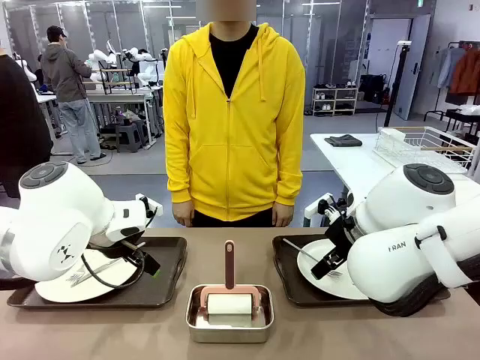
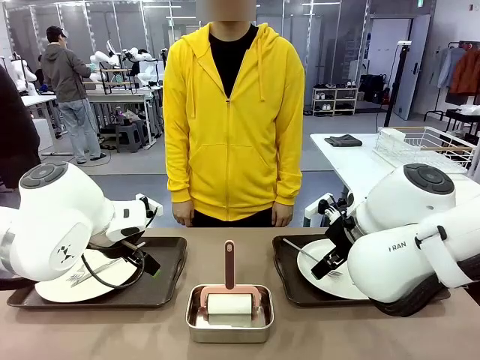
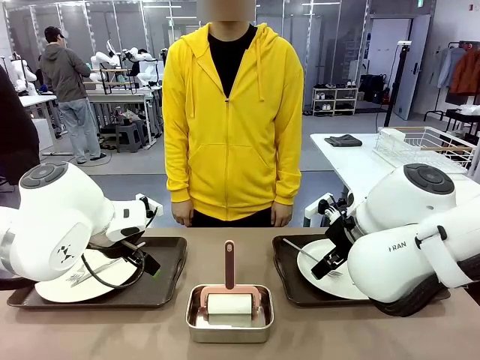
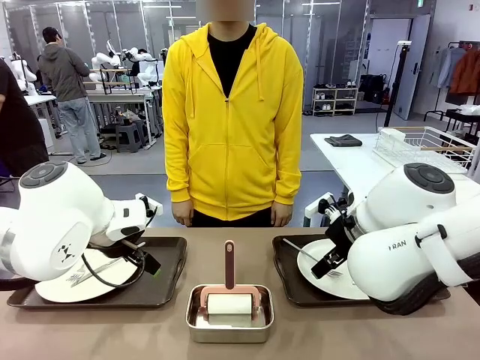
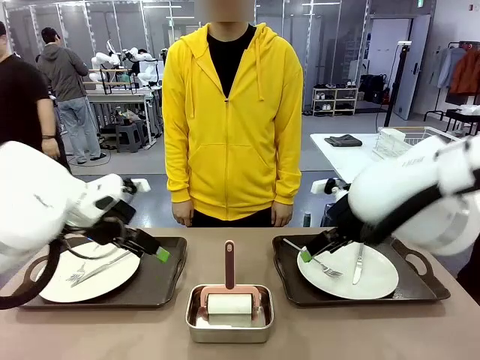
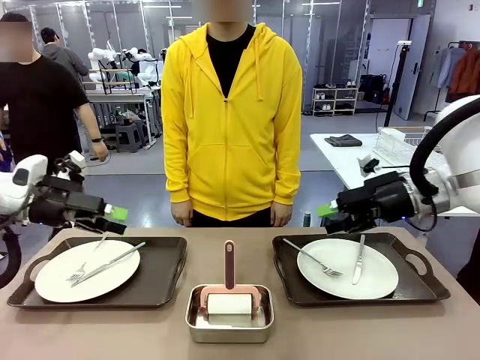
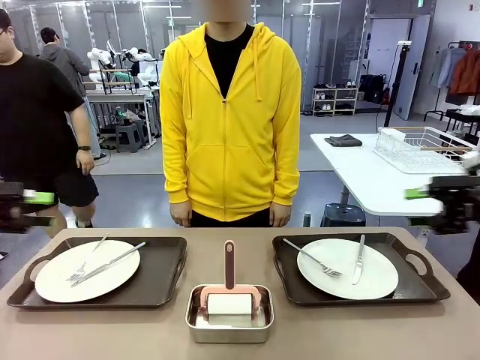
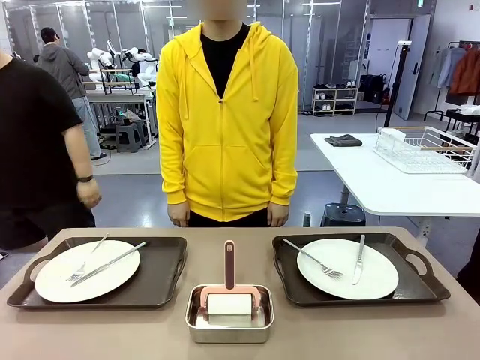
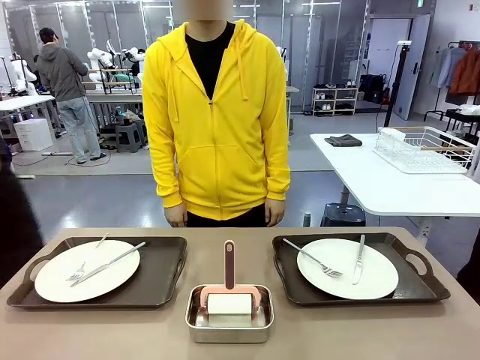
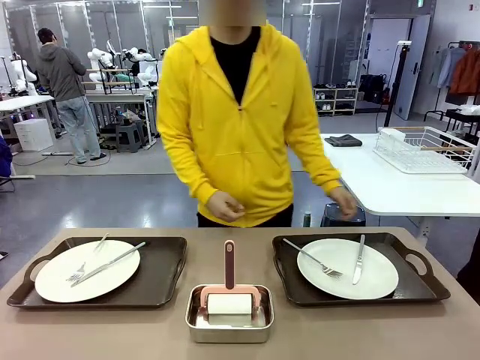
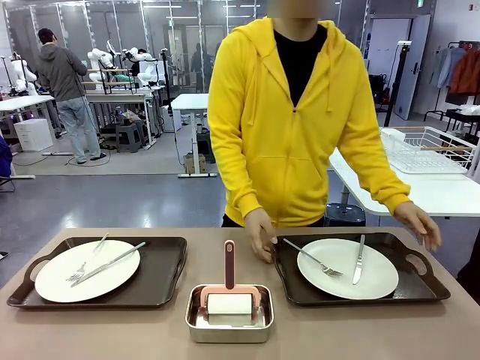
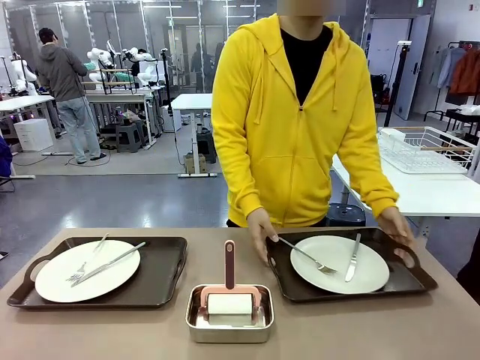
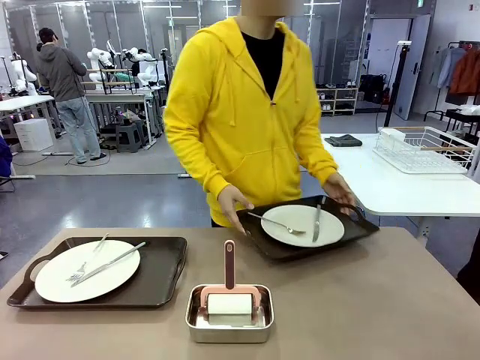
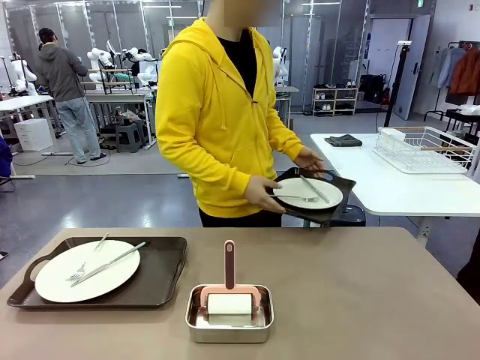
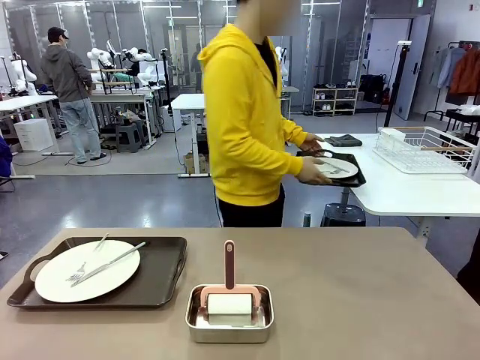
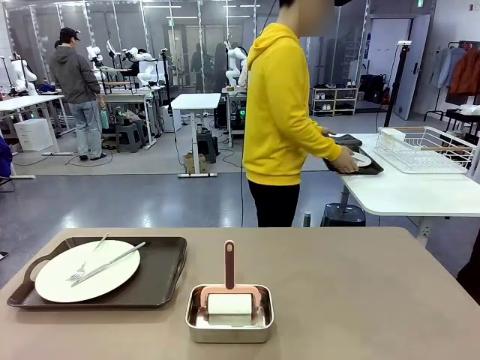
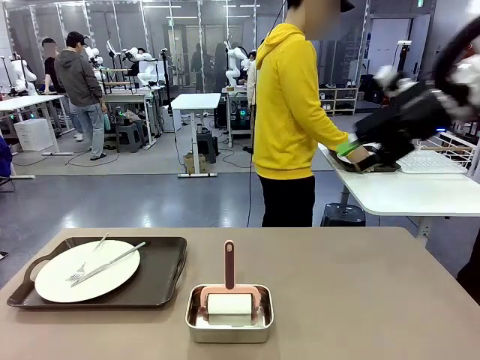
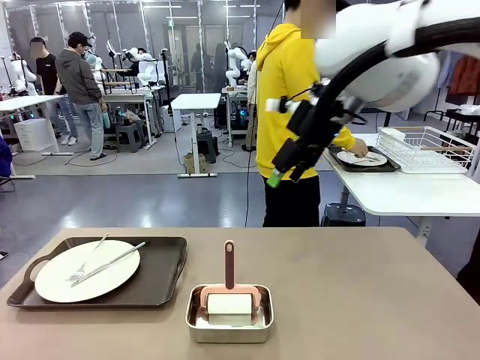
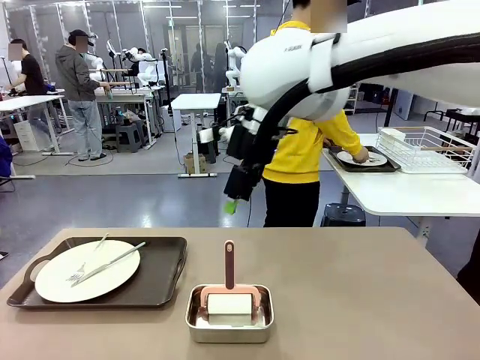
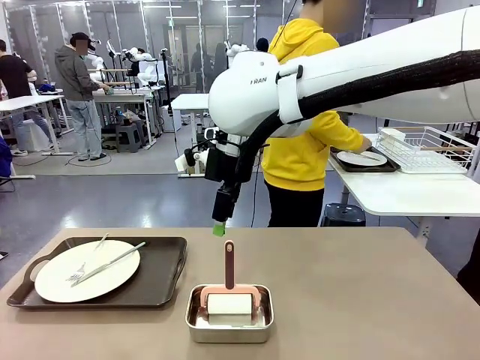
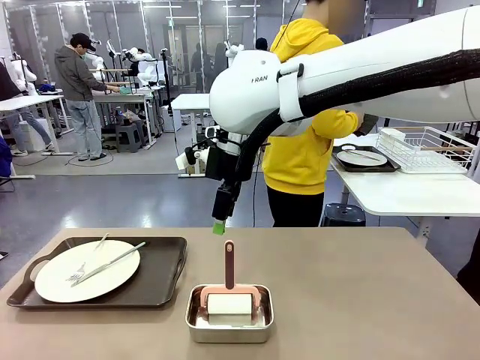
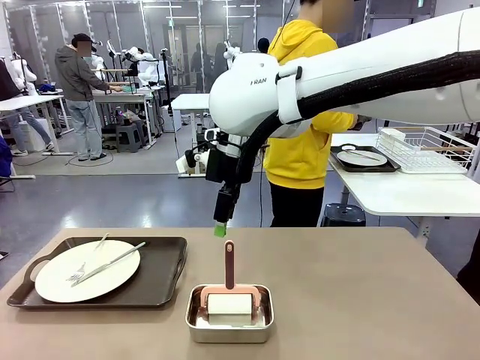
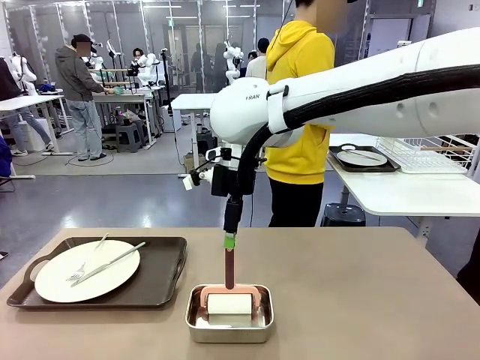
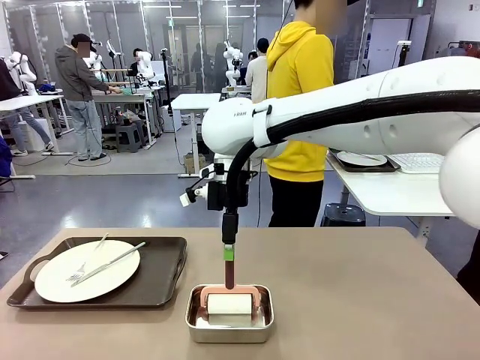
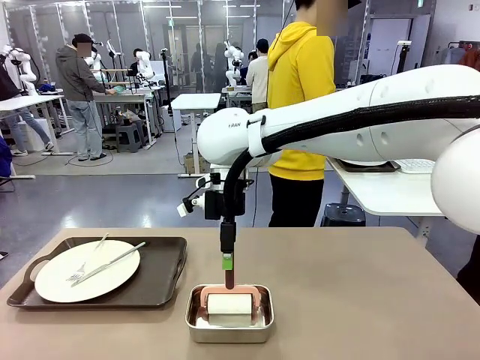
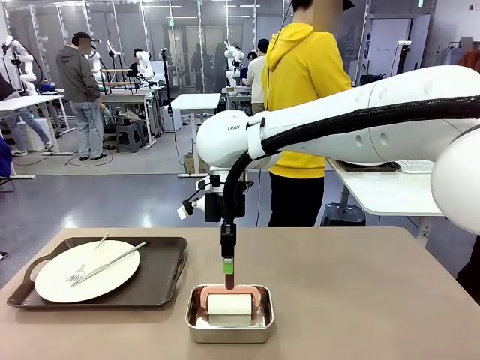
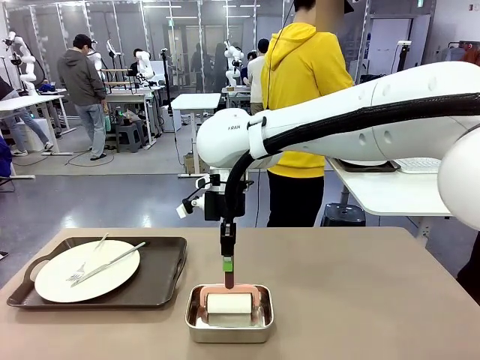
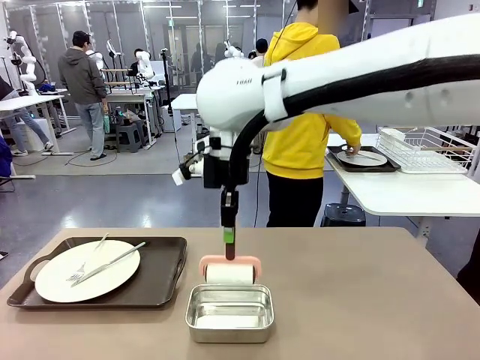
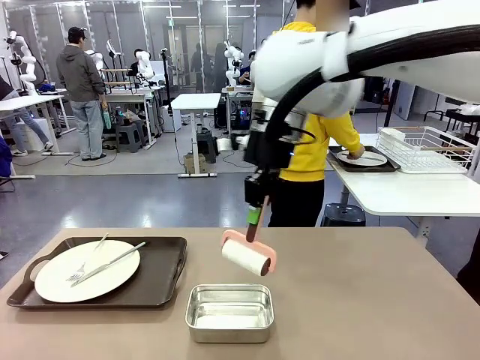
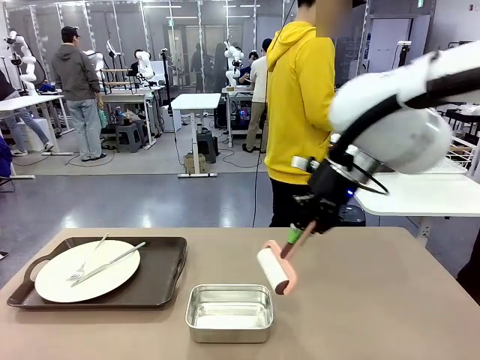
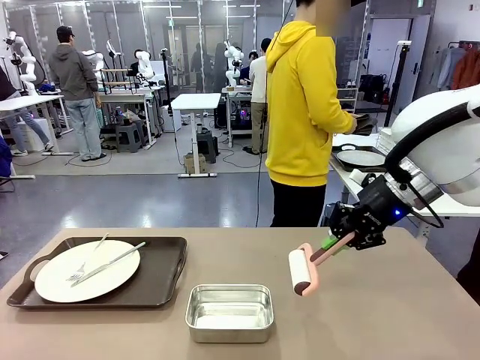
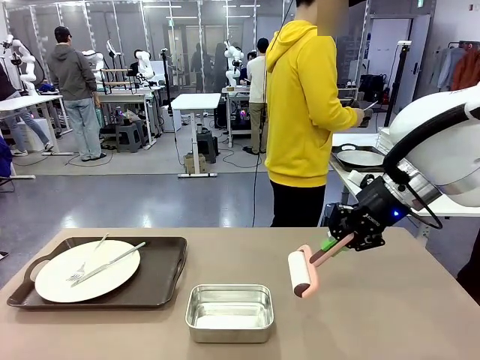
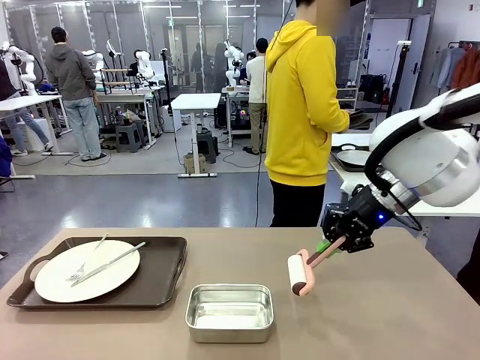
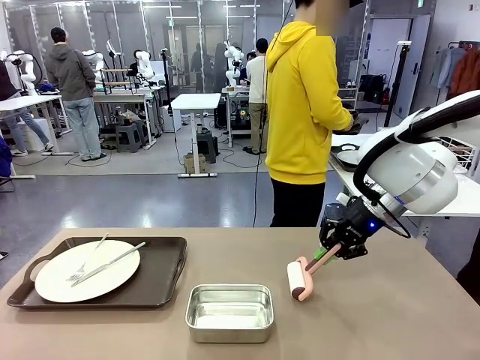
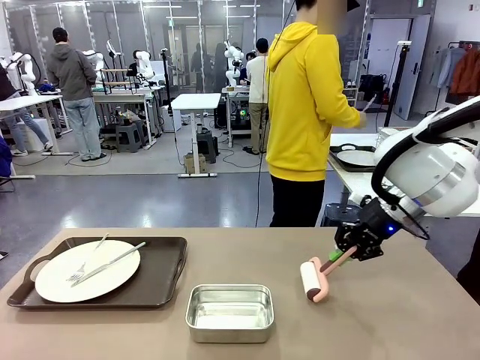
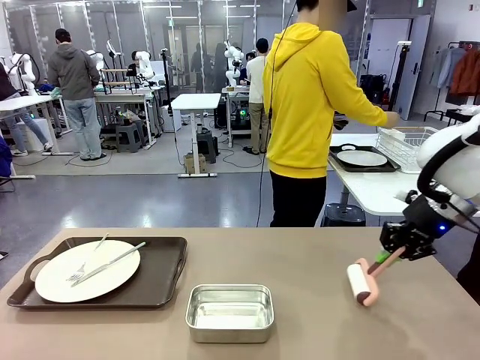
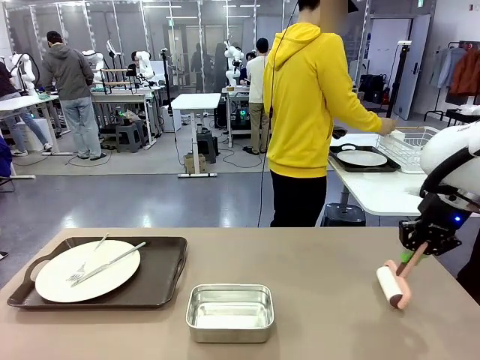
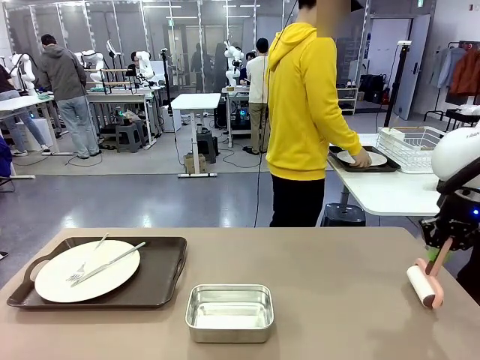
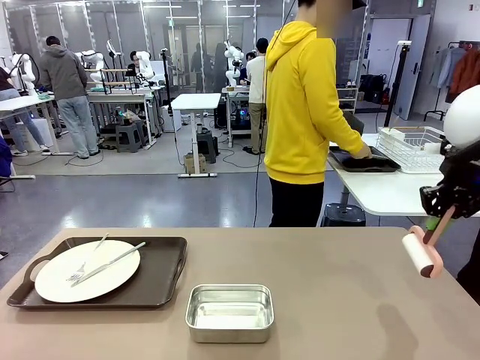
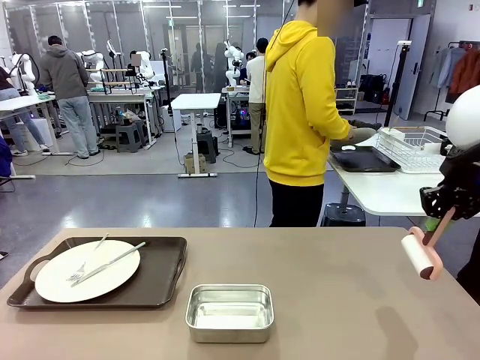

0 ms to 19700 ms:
Robot: When the left (or right) Handle tray is removed, use the left hand (or right hand) to clean the left (or right) side of the table with the Lint Roller.
Person: Pick up the left (or right) Handle tray and place it on the middle of the Human's table. Use the Towel with hook to wipe the Plastic Matte Plate , Fork , and Knife and place into the Dish drying rack.

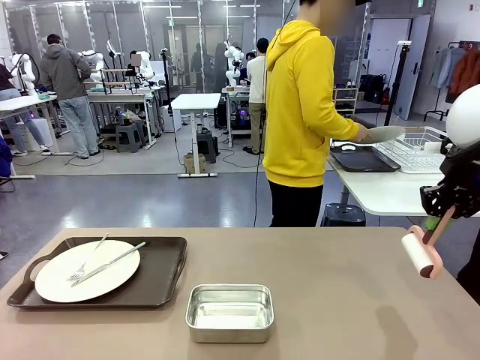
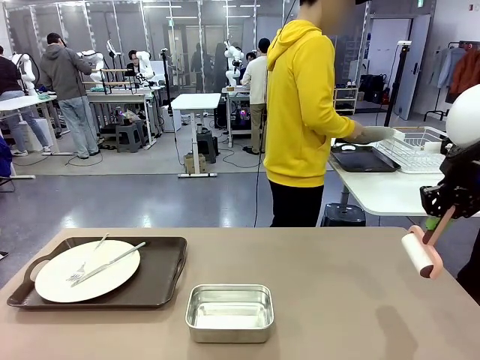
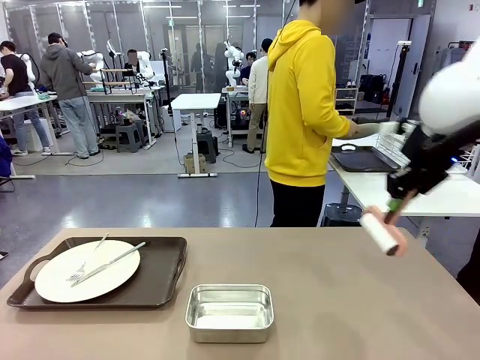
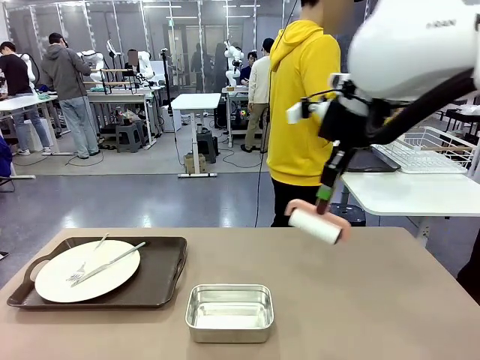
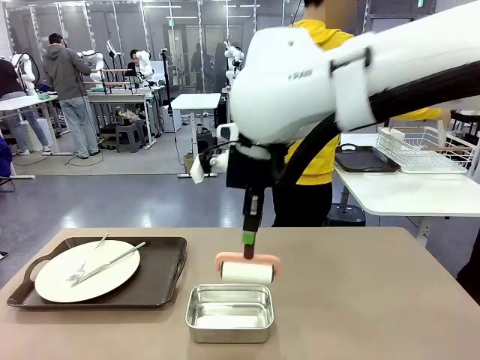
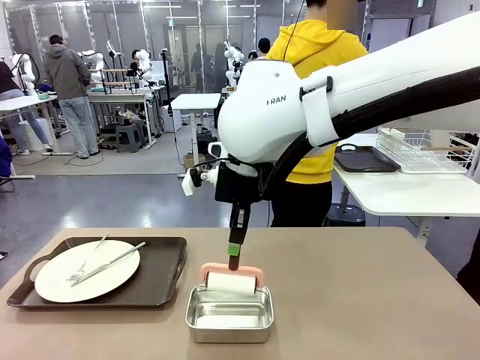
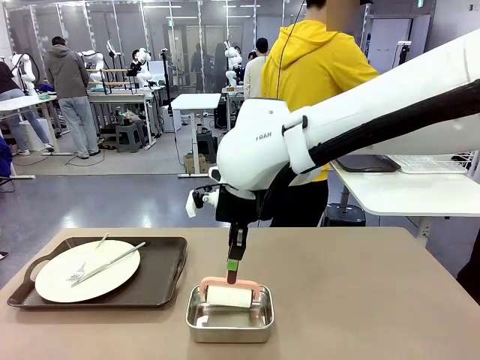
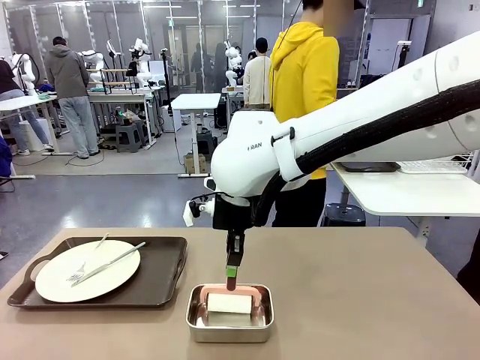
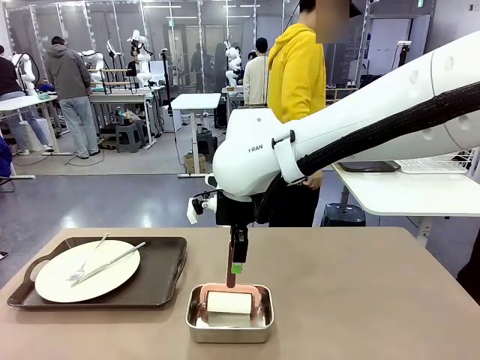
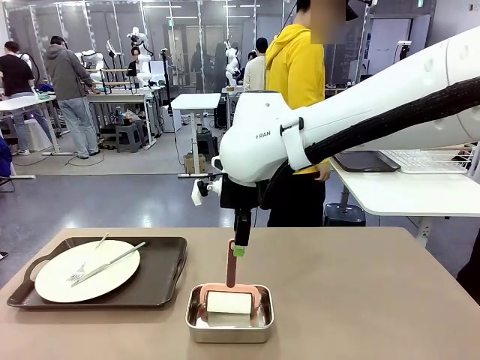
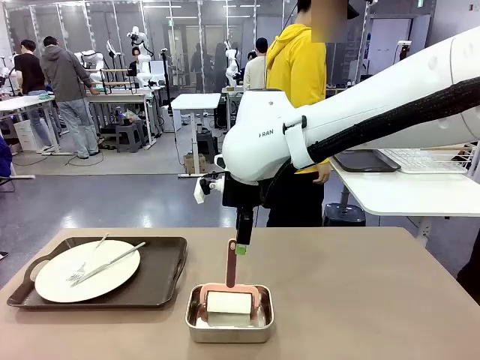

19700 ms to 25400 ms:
Robot: Place the Lint Roller back on top of the Airtight Container.
